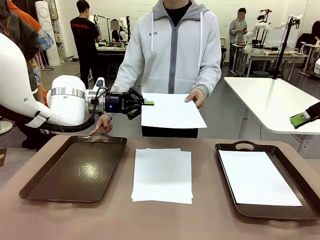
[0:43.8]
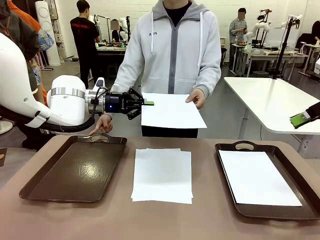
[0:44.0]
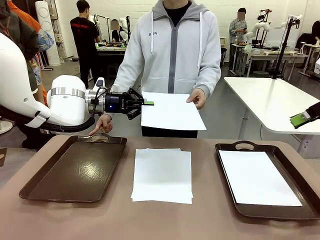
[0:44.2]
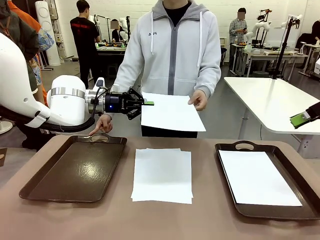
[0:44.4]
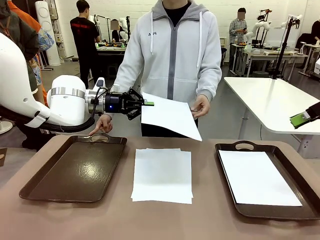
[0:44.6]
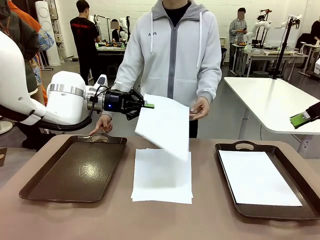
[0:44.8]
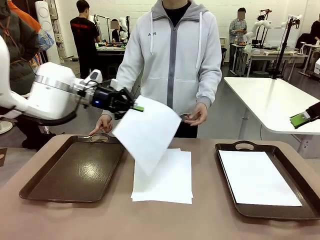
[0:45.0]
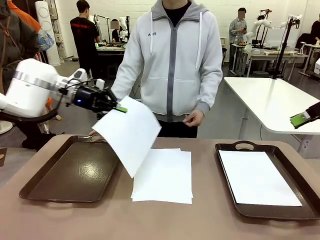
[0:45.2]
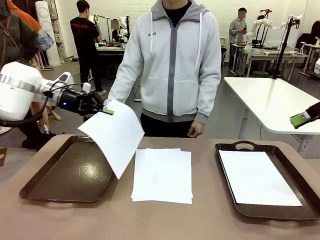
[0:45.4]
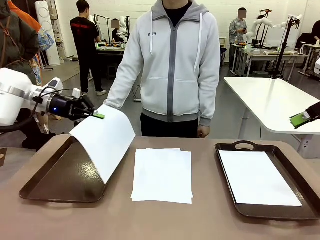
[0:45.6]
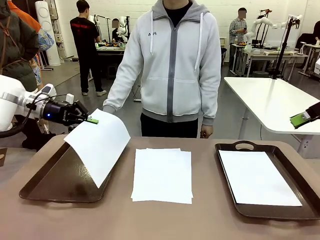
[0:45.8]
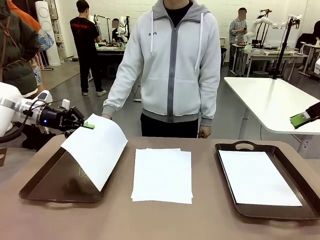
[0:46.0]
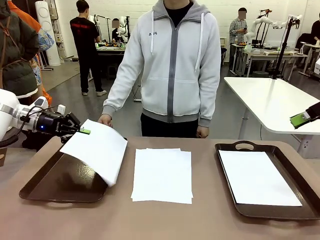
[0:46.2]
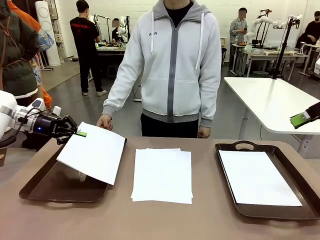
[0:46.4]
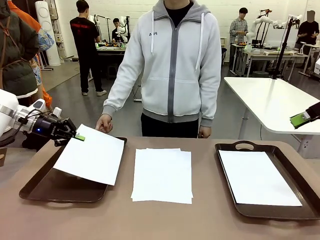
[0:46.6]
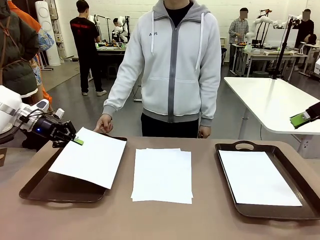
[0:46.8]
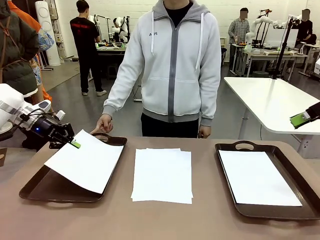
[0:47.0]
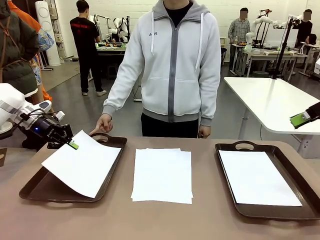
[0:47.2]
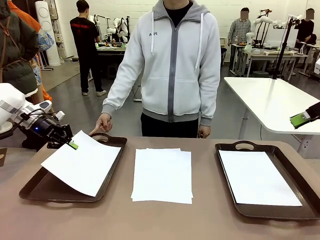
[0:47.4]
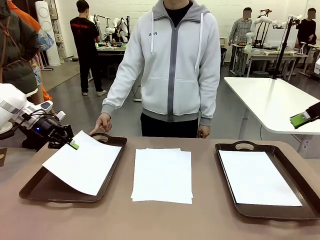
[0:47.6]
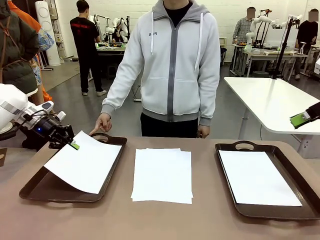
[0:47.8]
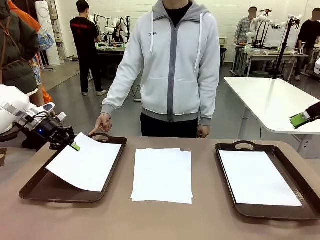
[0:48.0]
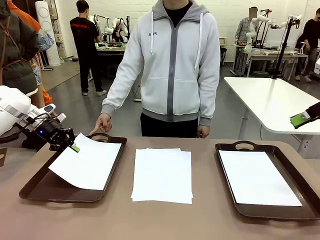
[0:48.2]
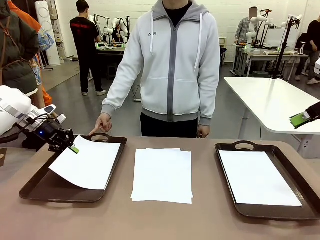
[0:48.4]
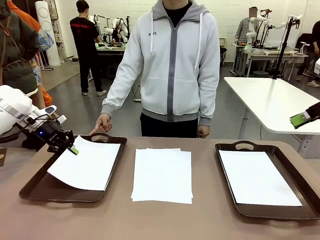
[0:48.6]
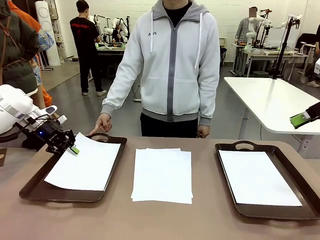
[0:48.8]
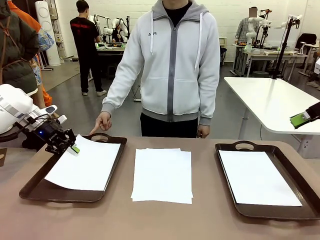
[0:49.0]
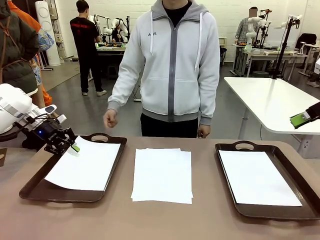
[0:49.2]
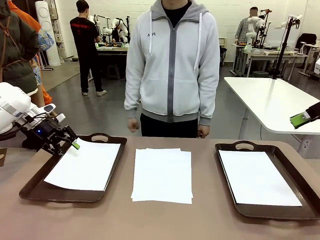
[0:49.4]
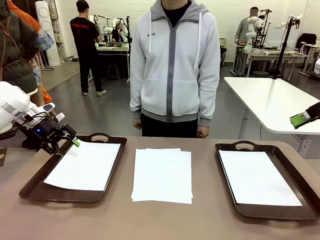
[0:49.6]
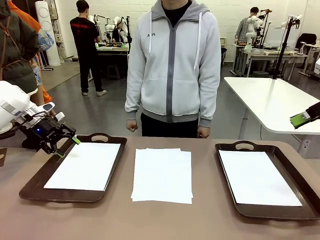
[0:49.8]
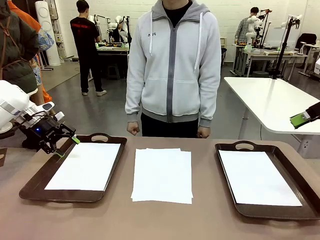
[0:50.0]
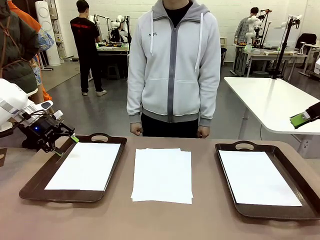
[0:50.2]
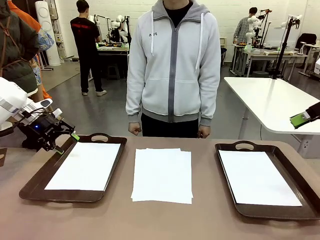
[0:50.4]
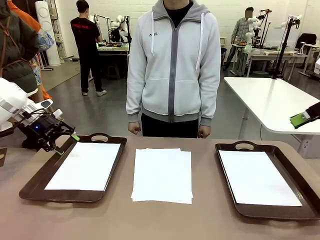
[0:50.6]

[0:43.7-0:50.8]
Task: Sort the A4 documents.
Robot: Place the A4 Paper in the designated Handle tray.

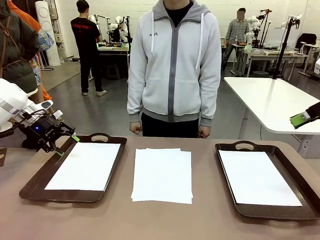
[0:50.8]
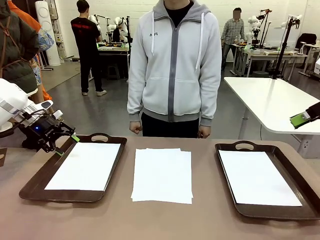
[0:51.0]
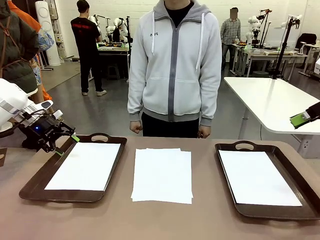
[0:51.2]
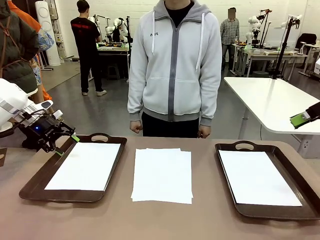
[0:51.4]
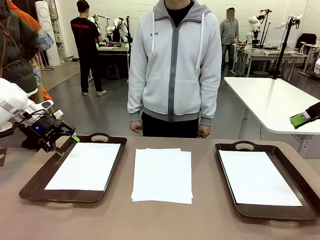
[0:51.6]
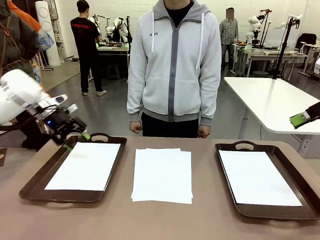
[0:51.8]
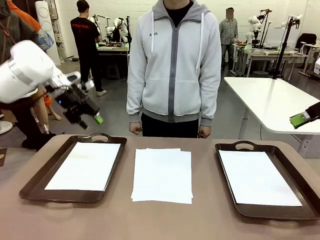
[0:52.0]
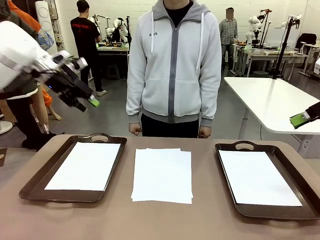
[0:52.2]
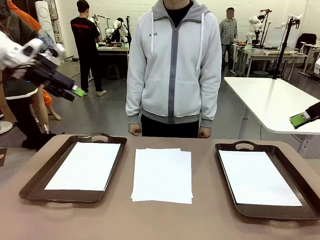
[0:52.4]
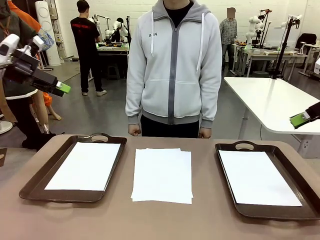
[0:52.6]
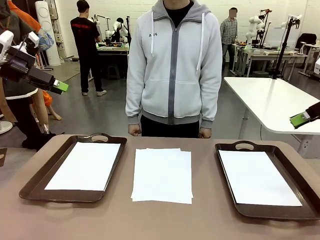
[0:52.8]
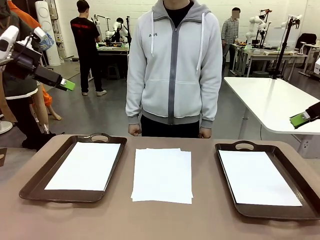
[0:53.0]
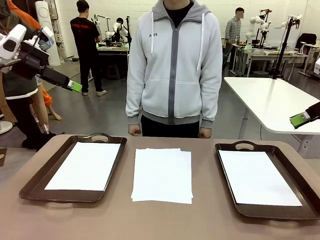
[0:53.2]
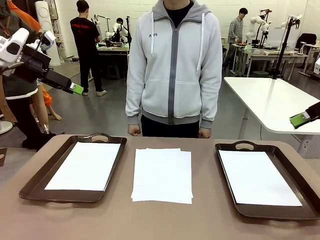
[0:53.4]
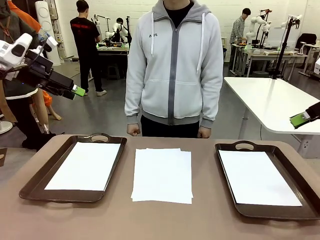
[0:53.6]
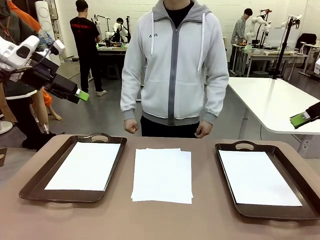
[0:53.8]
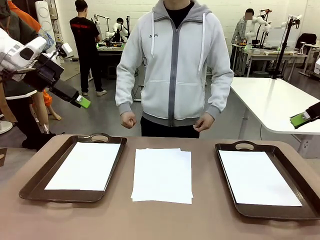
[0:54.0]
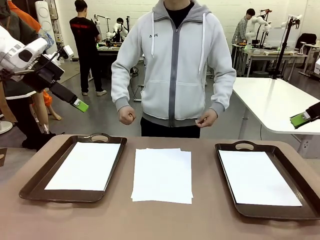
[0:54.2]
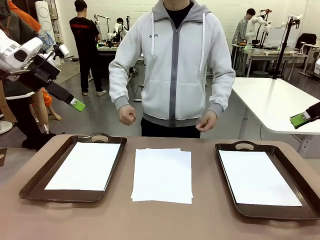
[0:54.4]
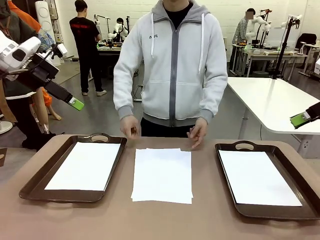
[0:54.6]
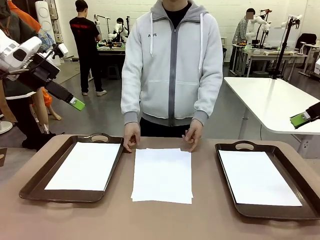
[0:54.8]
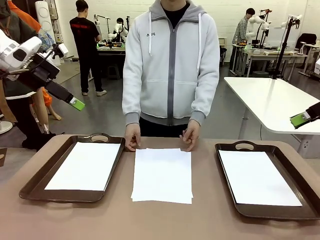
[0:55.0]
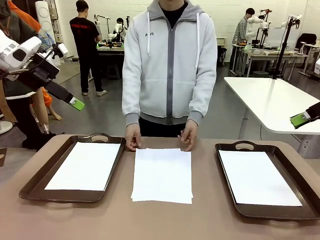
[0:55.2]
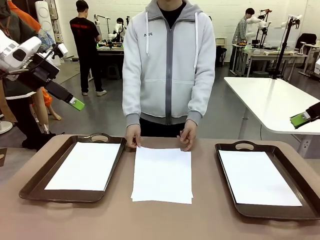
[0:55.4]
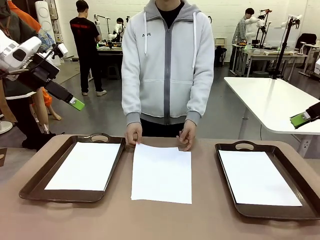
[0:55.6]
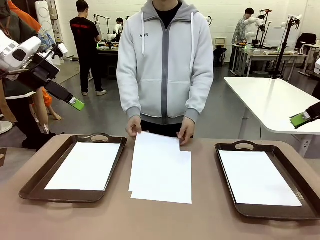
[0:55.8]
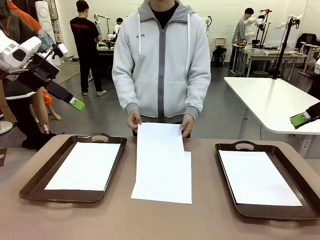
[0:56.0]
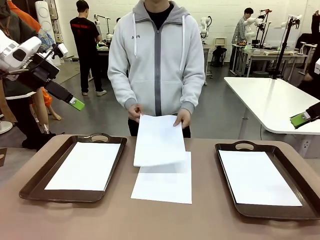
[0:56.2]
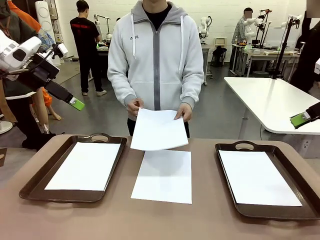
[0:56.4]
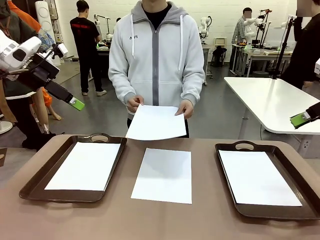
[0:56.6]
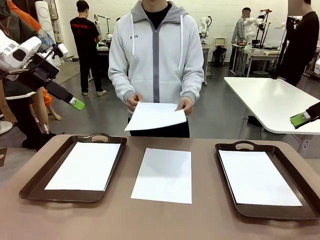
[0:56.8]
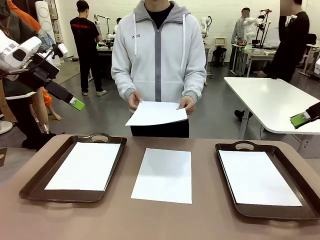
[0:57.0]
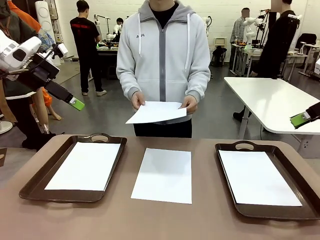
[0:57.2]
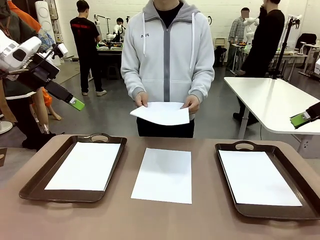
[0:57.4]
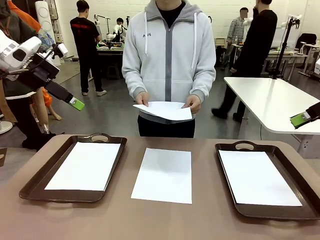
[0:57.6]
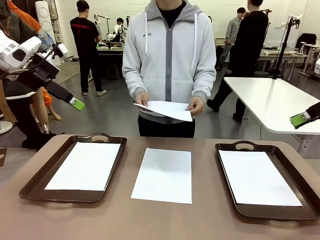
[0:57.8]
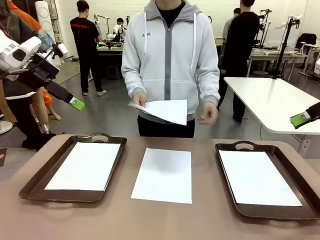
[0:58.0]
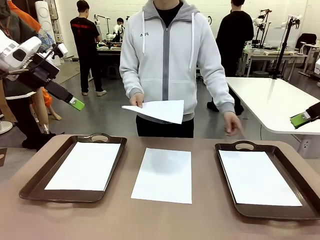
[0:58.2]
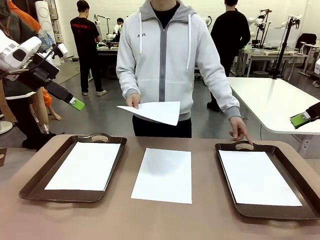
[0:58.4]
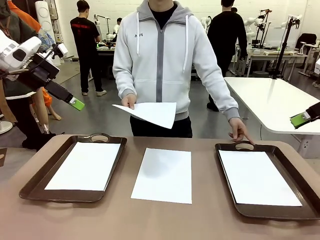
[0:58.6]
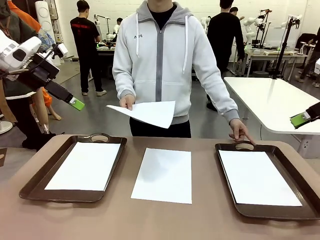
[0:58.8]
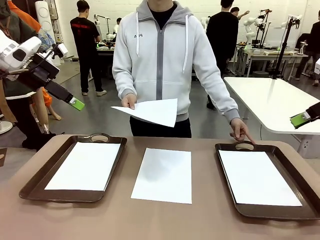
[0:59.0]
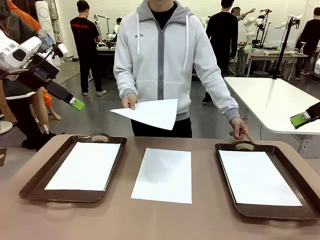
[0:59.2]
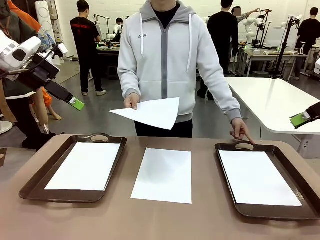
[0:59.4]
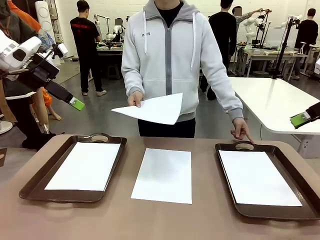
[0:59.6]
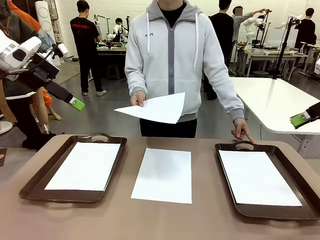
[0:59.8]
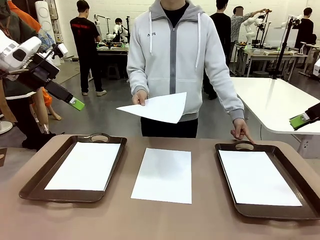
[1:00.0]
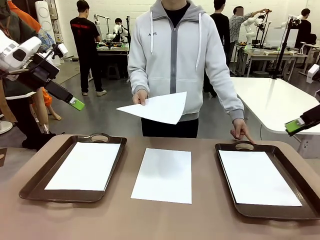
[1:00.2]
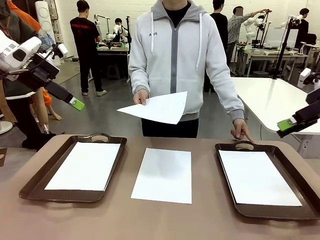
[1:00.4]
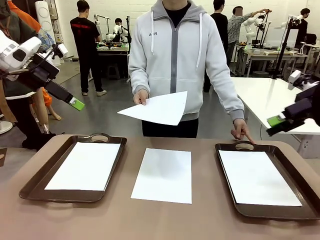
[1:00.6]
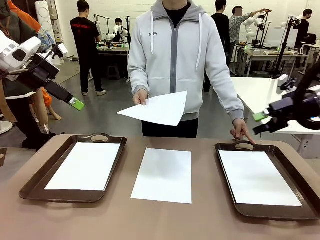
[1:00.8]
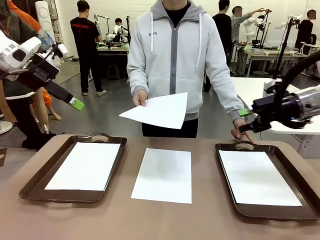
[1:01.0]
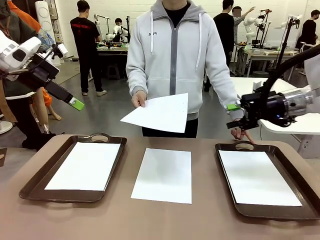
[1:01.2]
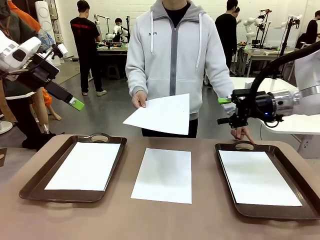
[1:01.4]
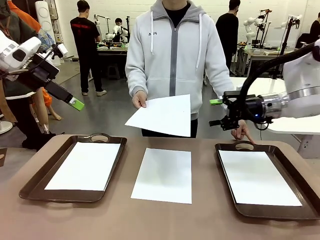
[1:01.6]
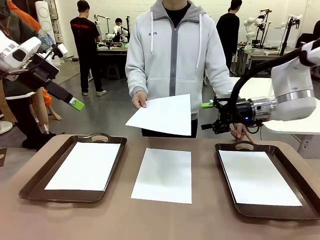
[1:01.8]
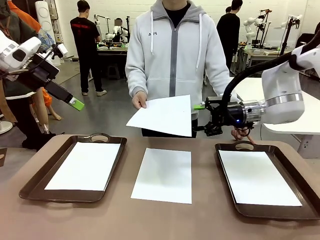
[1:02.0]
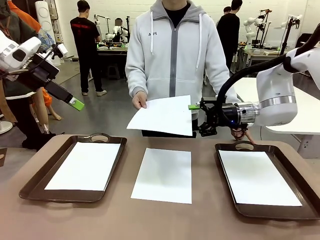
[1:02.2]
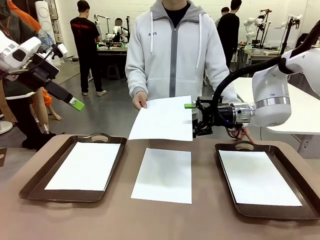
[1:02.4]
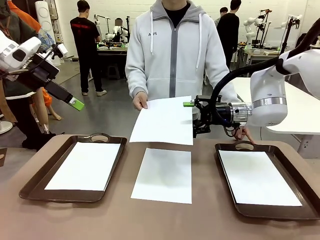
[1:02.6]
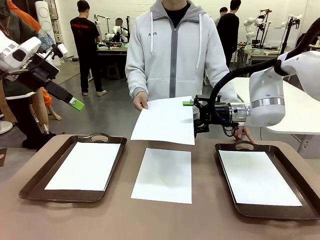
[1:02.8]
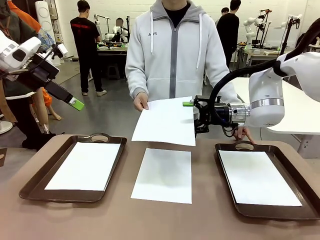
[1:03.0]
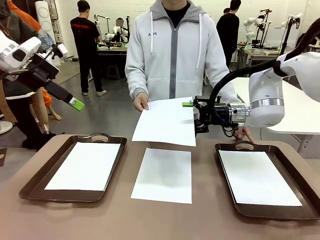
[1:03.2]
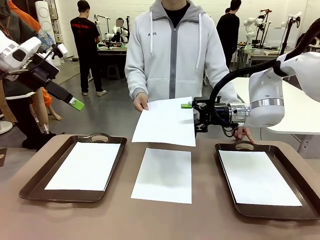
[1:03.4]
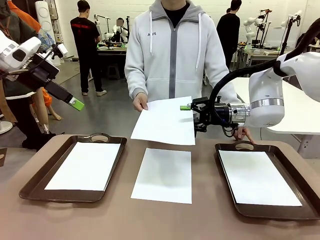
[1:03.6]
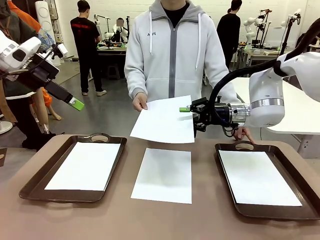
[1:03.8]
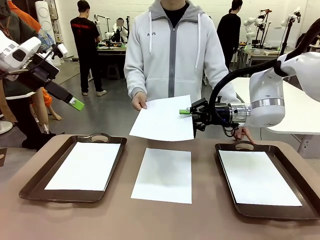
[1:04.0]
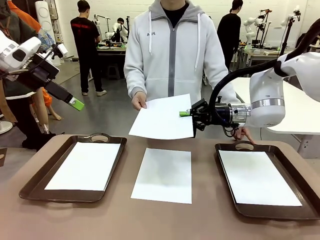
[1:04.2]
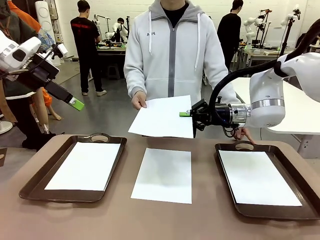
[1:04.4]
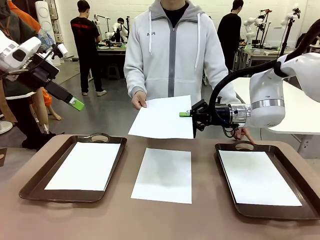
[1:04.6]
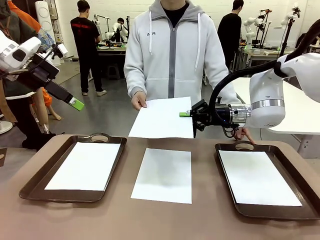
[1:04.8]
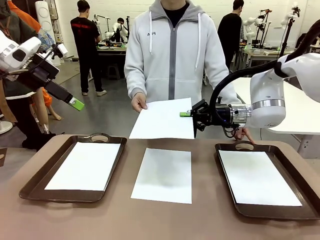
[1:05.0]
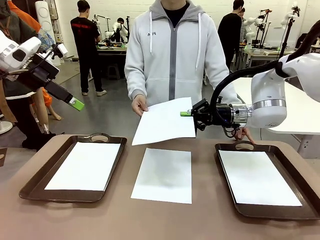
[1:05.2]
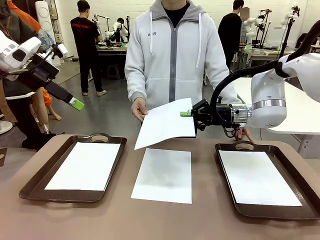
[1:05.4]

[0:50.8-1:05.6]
Robot: Receive the A4 Paper.
Person: Point the randomly selected tray with the other hand.
